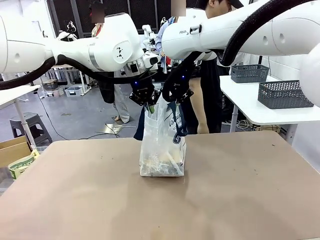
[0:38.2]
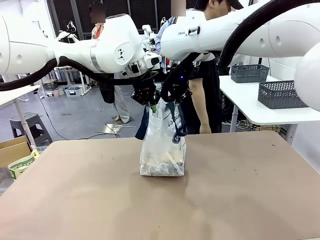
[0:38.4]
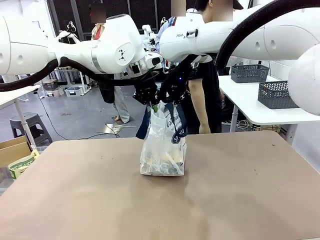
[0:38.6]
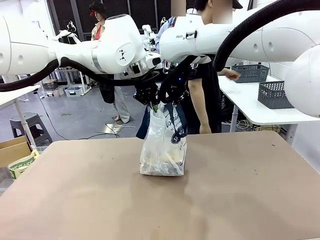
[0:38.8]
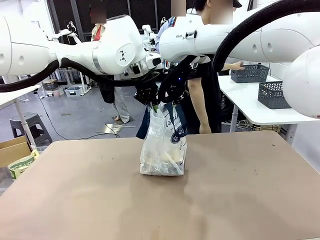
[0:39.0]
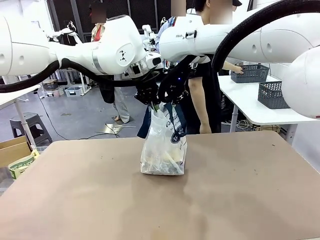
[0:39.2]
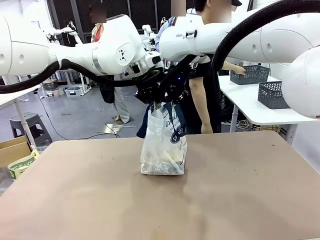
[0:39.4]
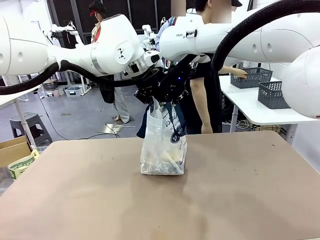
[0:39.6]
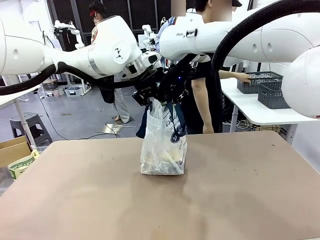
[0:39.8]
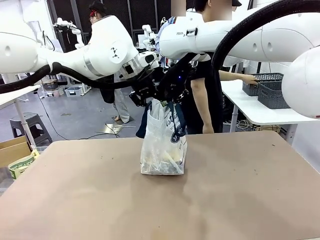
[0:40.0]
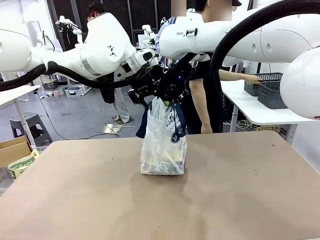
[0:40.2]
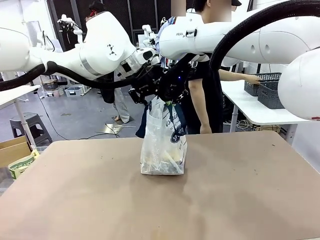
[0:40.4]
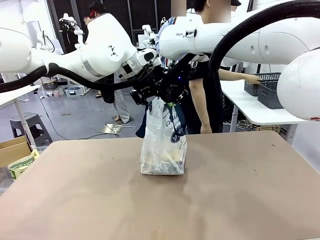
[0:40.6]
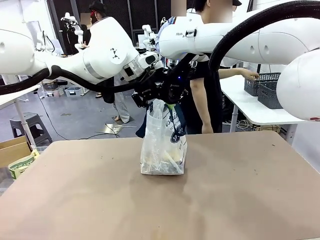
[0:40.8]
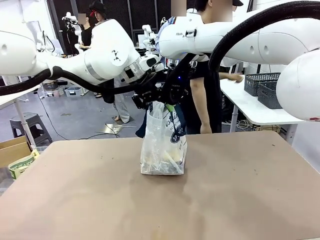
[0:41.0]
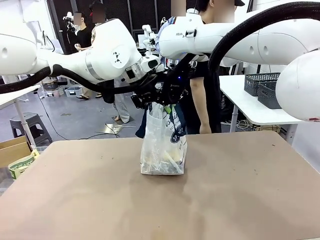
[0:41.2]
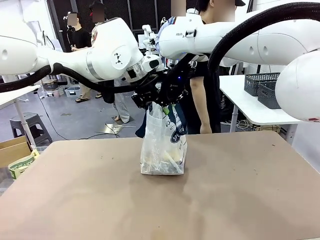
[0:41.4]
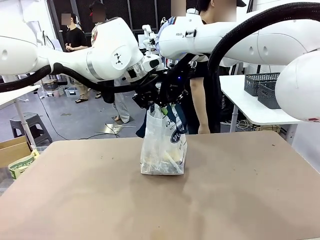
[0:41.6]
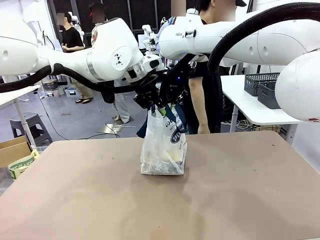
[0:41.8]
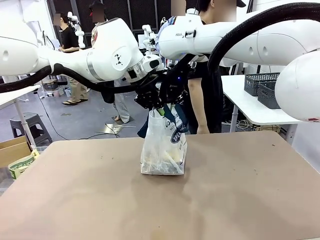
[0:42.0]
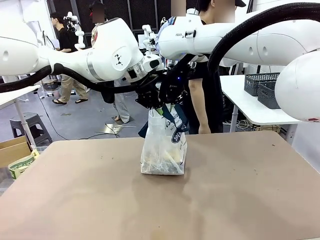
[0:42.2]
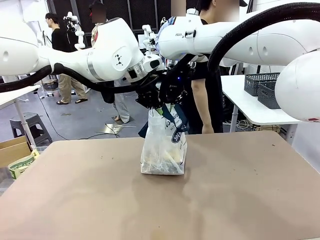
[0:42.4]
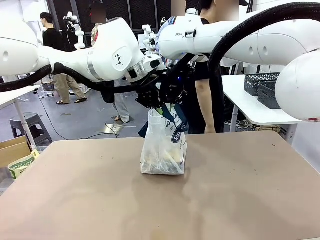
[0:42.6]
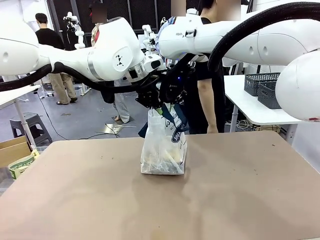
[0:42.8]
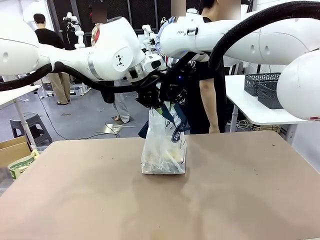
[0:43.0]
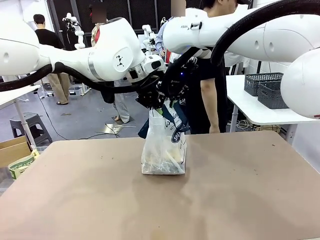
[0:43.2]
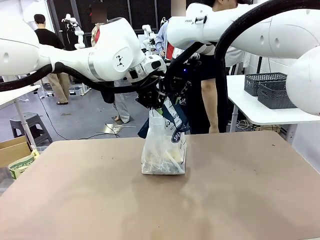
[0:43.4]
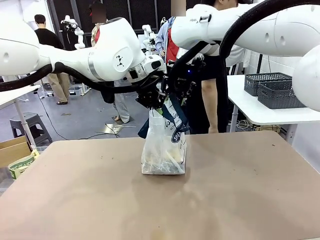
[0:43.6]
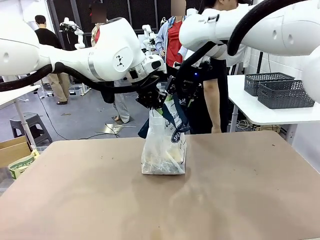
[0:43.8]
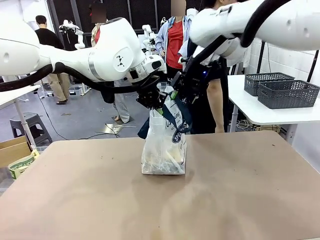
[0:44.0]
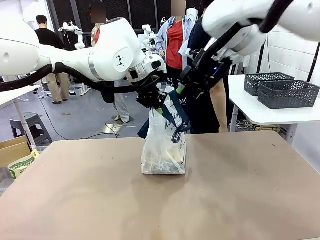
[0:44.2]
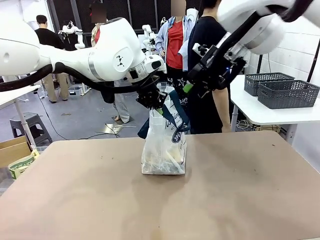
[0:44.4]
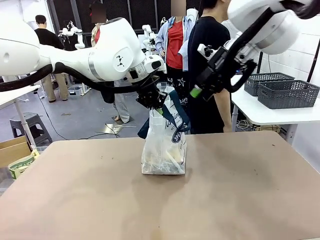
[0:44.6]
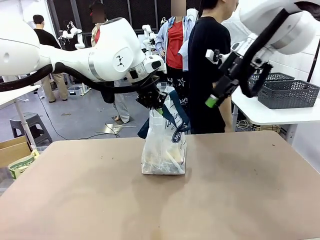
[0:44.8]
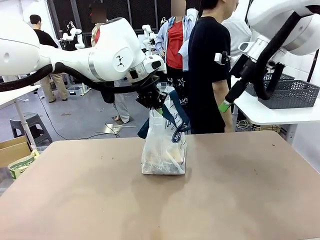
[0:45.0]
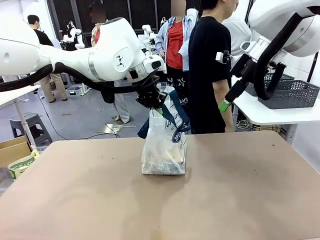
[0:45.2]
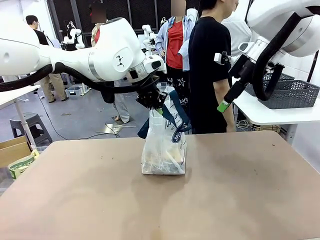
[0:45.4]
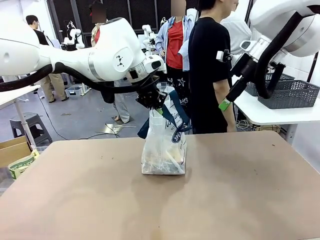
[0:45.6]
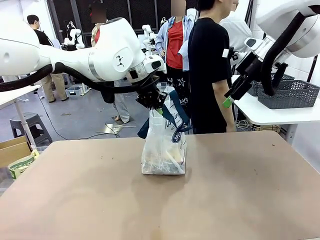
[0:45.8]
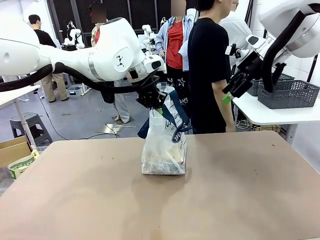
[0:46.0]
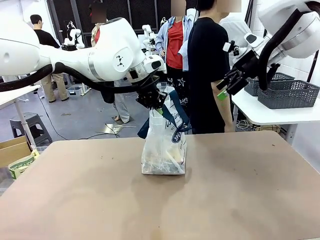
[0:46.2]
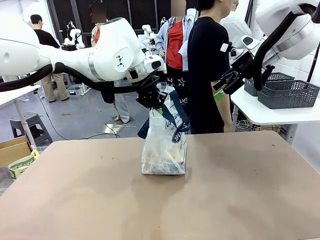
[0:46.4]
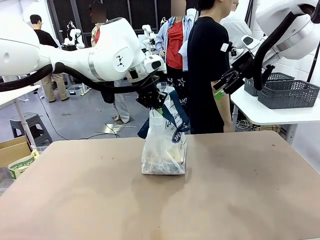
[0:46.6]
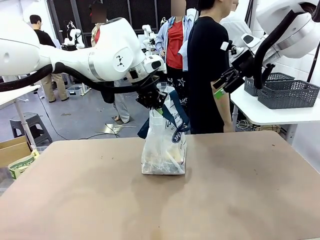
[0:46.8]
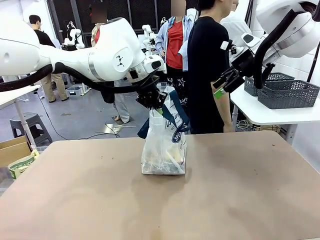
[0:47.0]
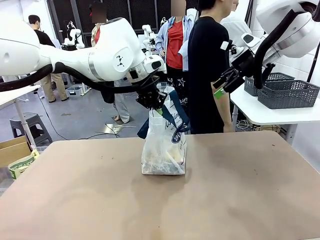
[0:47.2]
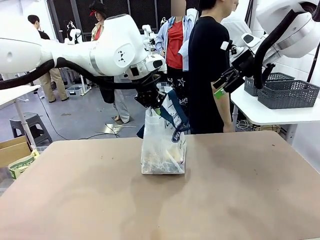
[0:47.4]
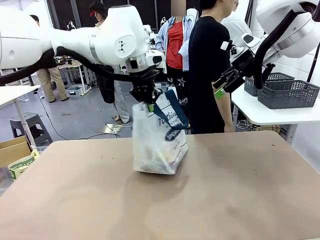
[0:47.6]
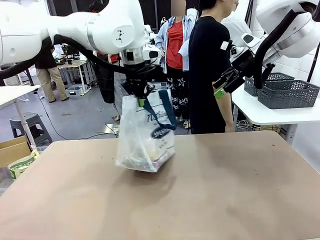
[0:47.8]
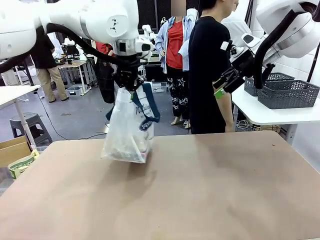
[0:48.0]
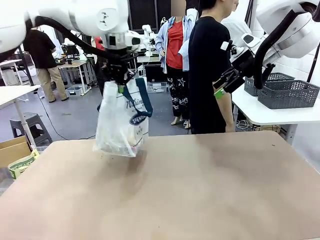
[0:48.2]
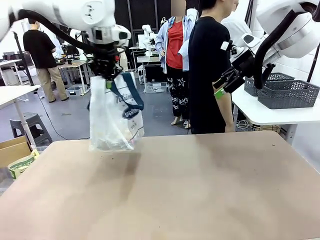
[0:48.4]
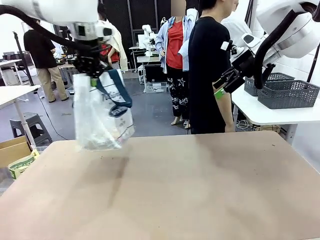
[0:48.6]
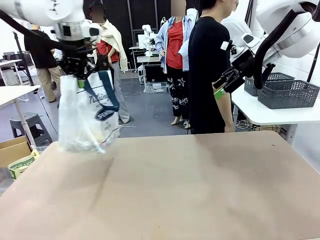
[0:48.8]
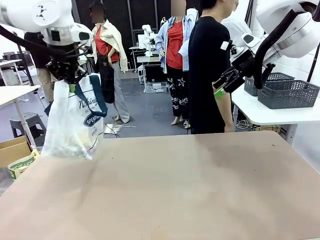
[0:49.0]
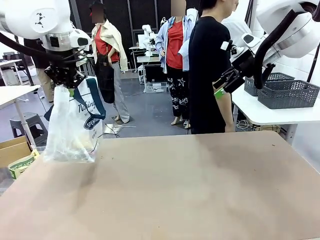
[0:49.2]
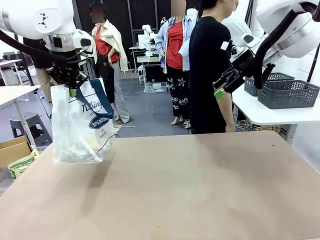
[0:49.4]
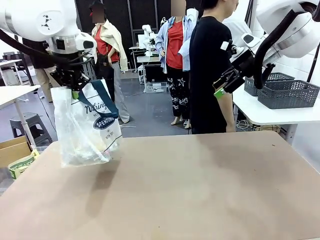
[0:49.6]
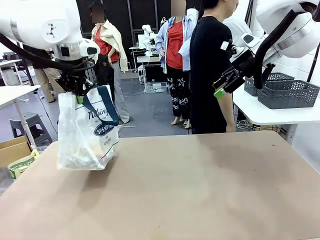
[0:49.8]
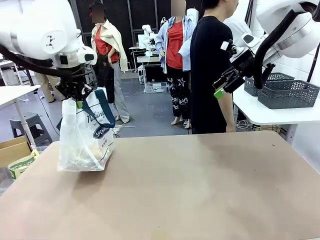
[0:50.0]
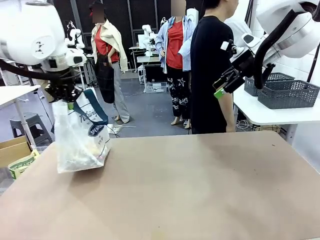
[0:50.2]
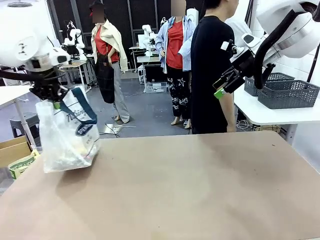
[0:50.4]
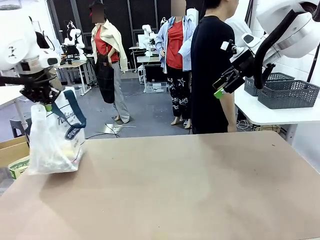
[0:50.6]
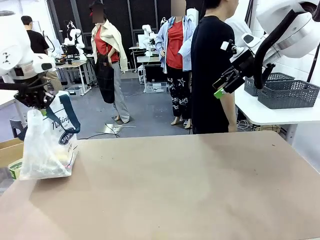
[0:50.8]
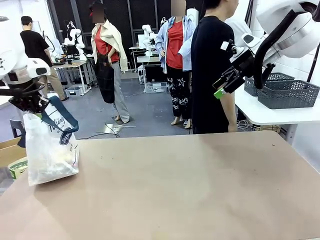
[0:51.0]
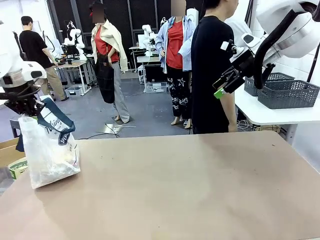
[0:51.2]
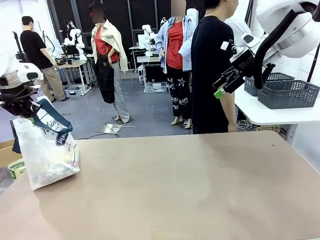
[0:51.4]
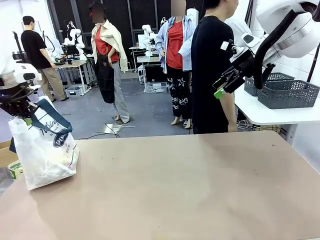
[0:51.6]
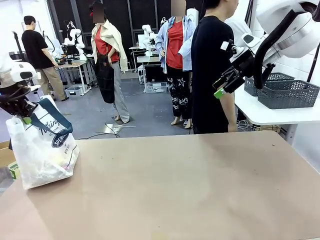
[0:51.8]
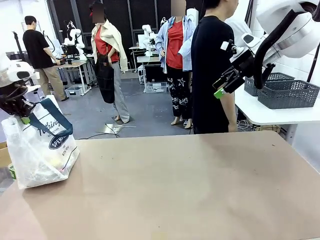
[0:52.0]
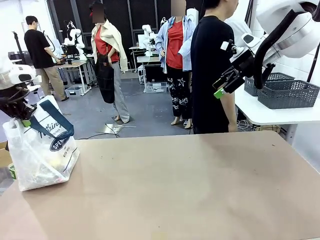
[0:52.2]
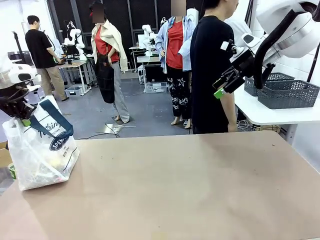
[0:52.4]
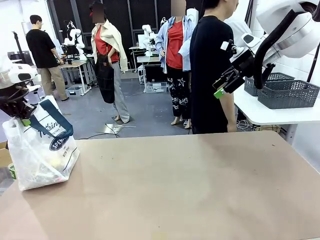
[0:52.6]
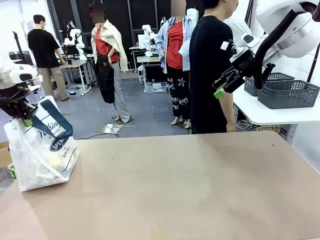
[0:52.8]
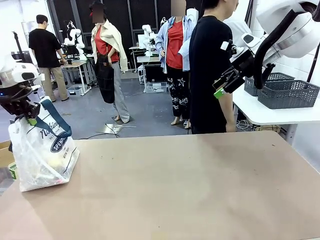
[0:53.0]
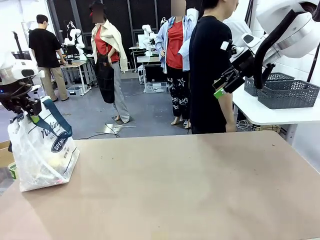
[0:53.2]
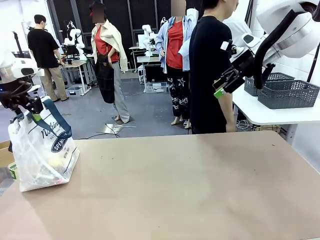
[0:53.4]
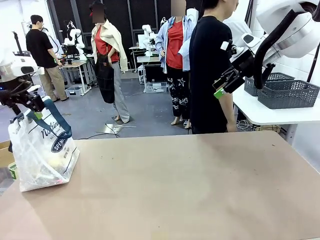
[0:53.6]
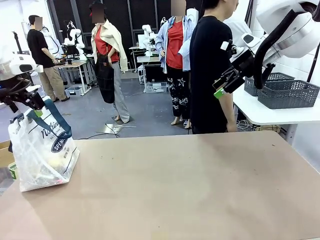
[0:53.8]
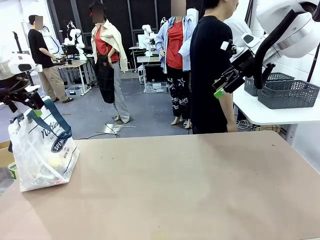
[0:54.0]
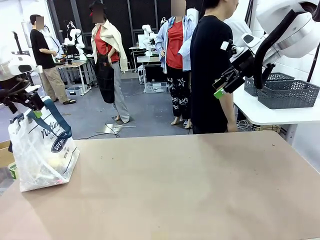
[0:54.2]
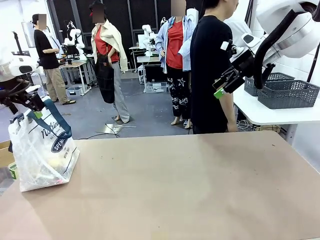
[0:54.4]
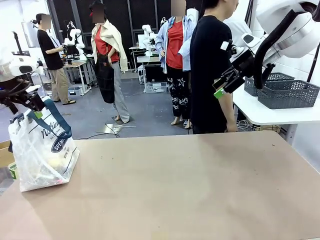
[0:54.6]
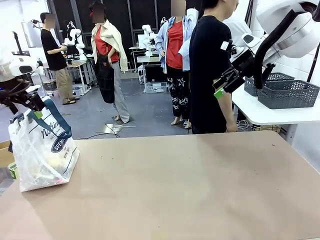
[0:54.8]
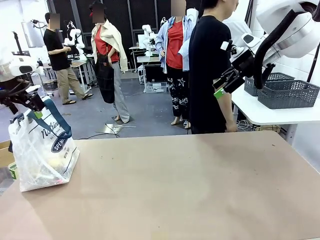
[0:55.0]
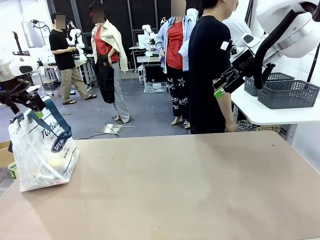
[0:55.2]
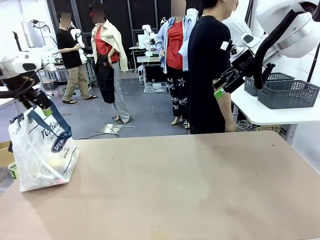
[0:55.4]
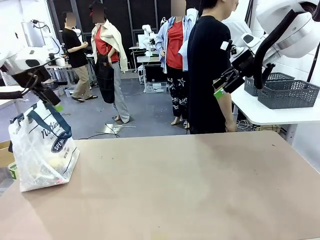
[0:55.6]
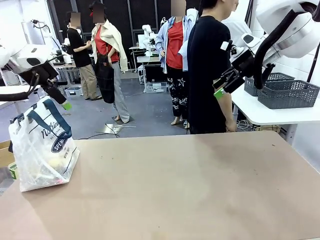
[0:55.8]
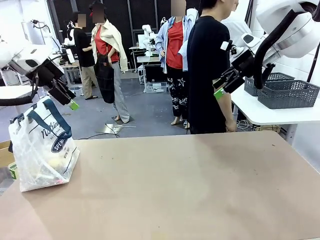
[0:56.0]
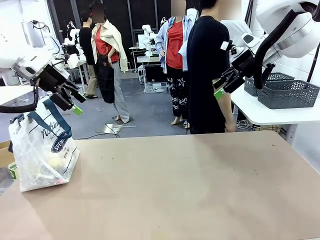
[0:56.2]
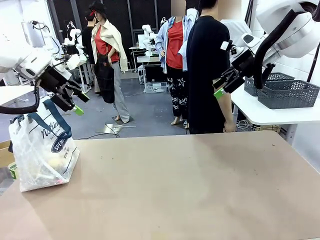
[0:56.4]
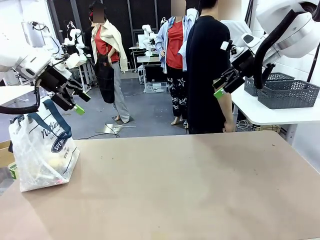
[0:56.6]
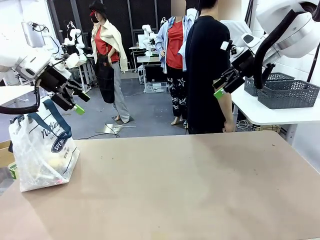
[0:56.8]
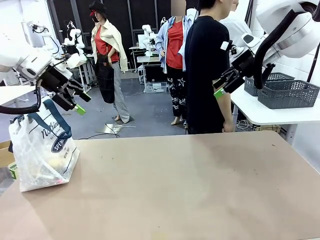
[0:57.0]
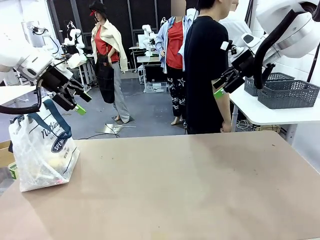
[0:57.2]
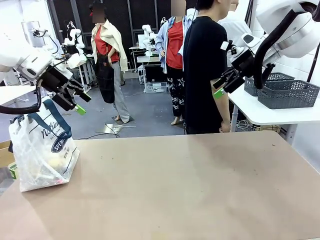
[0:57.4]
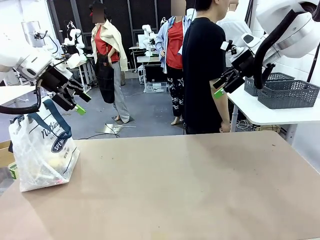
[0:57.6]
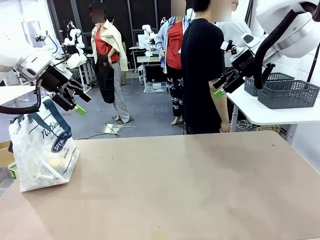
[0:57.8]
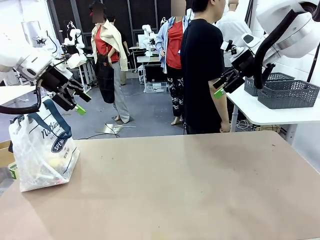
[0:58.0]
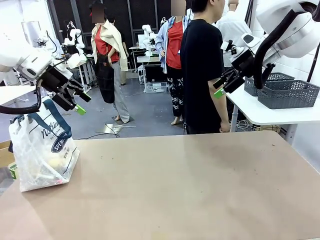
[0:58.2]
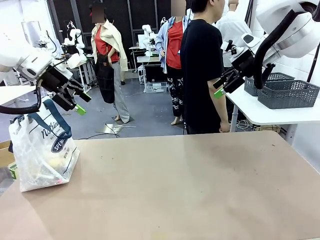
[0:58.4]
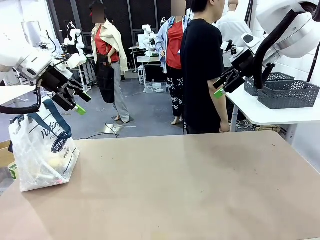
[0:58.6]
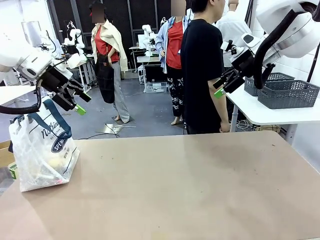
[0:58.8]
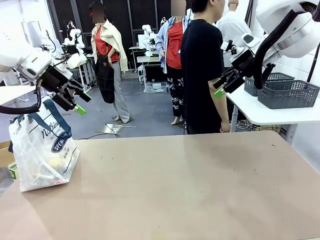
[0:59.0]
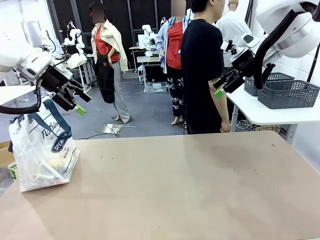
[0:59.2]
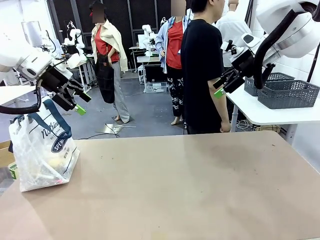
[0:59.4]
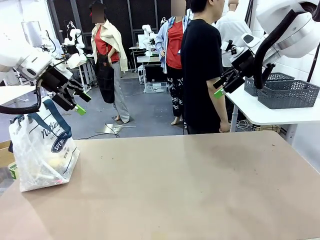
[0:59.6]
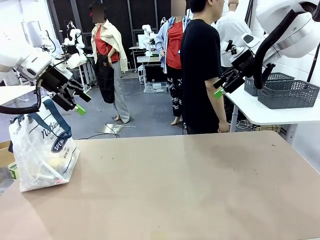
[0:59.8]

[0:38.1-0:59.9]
Task: Transfer purchased items from the store into the shopping bag.
Robot: Move the Reusable shopping bag to the right side of the table.
Person: Move the basket on the left to the middle of the person's table.
